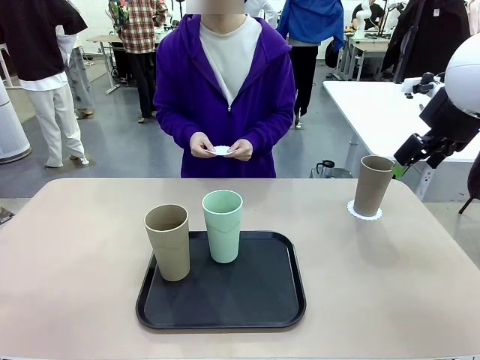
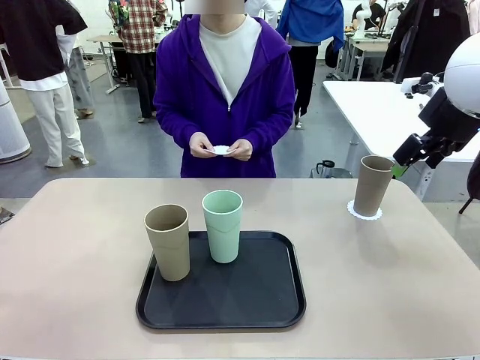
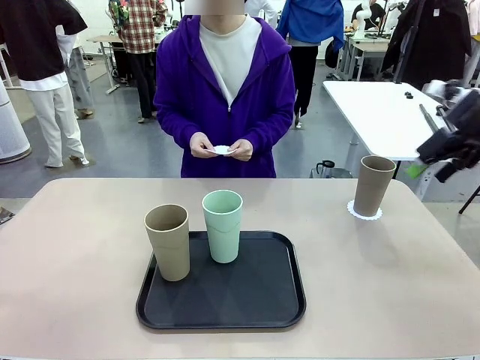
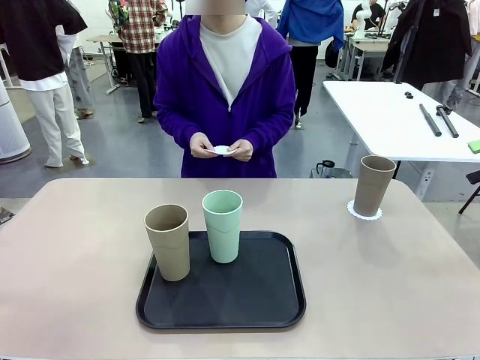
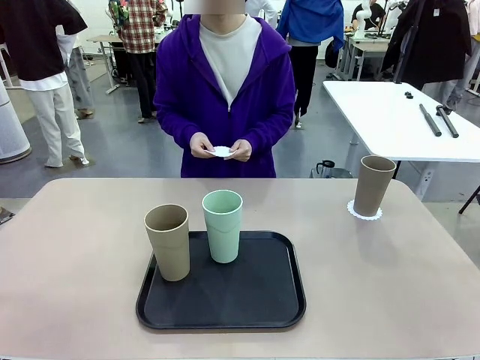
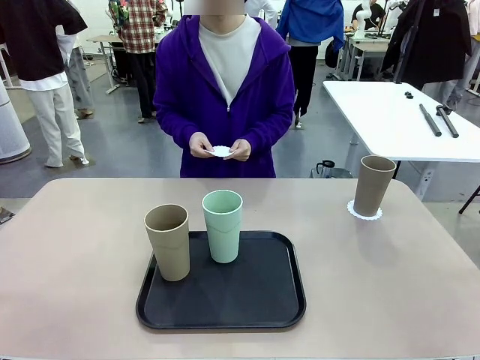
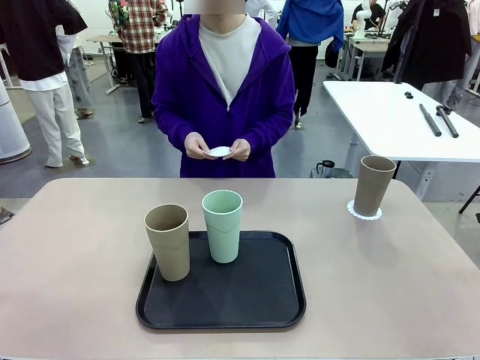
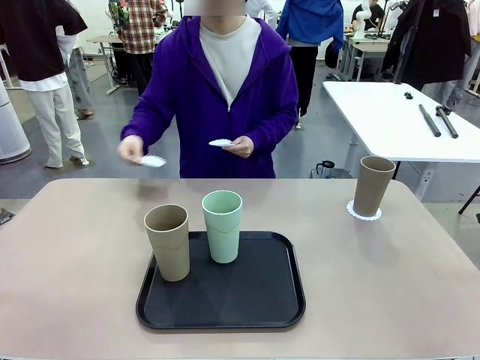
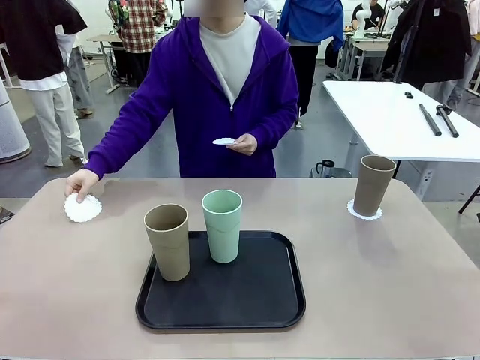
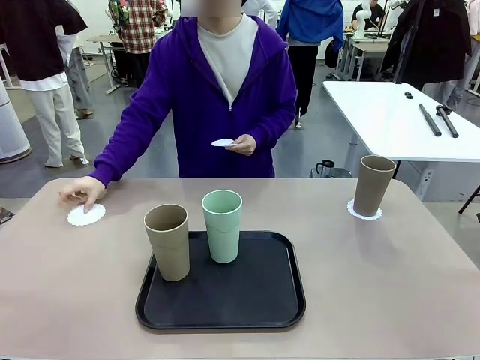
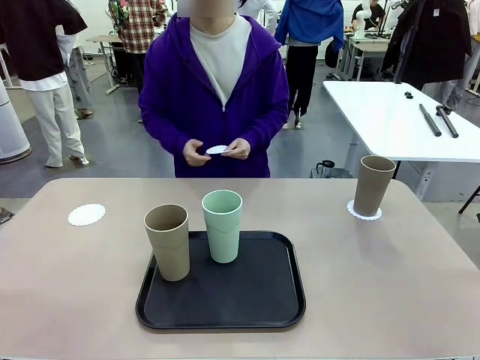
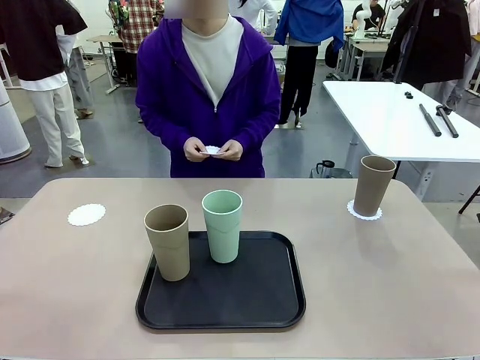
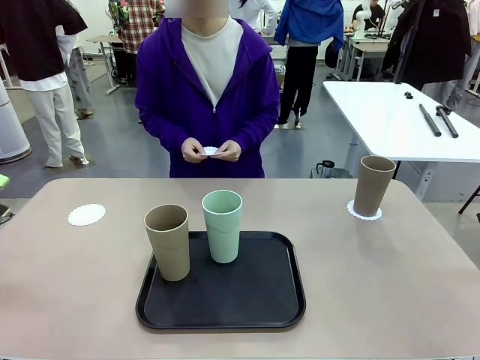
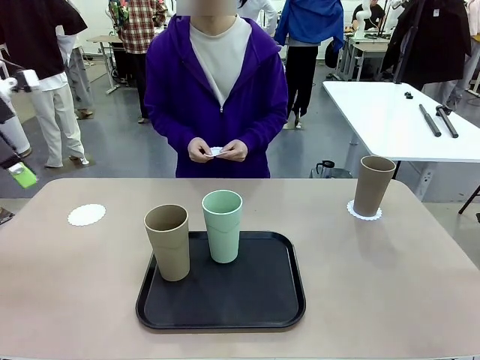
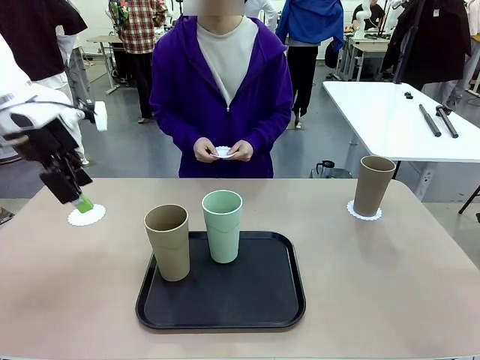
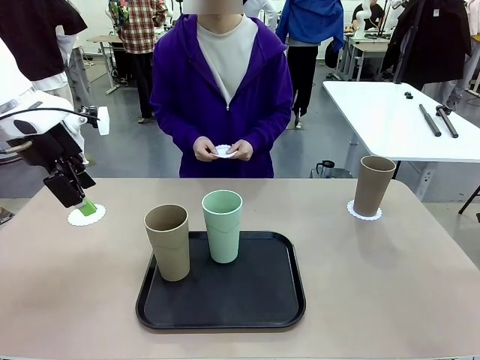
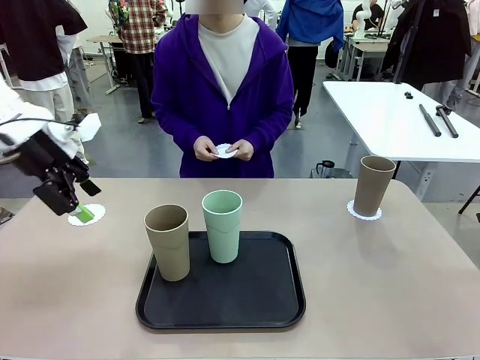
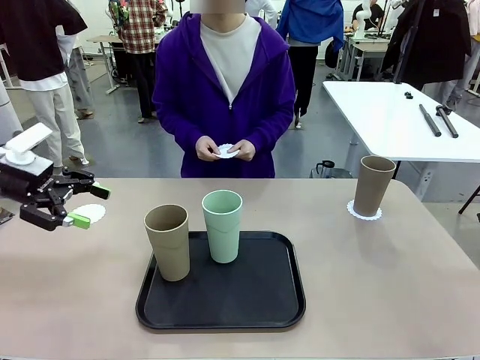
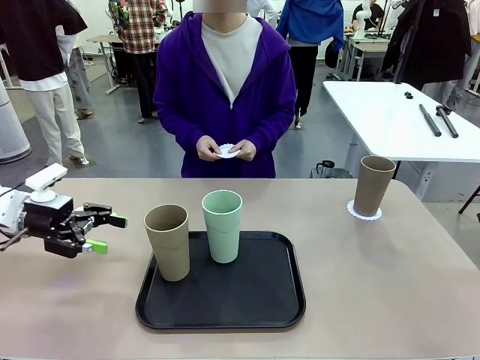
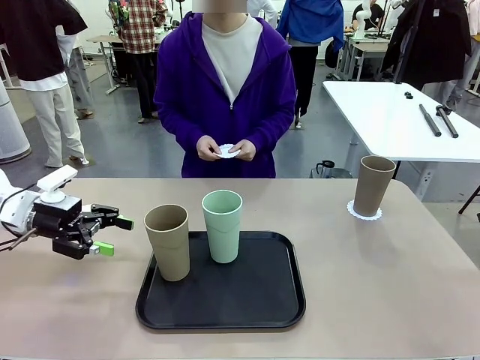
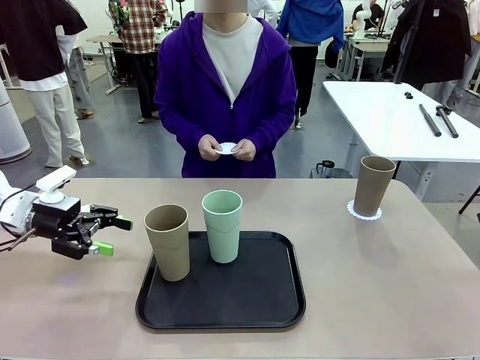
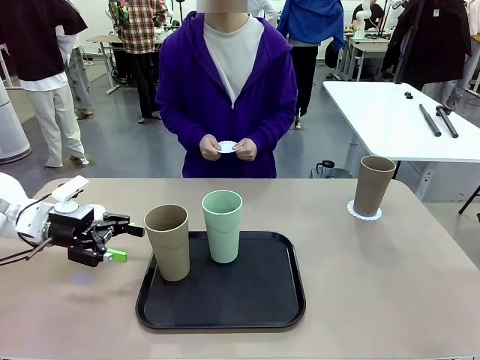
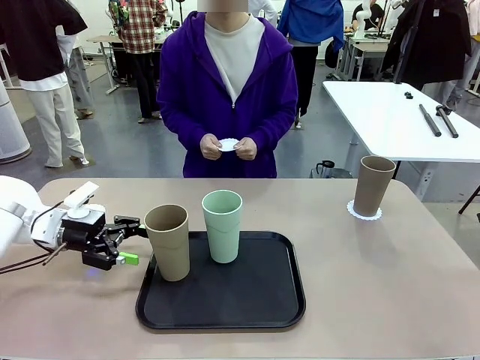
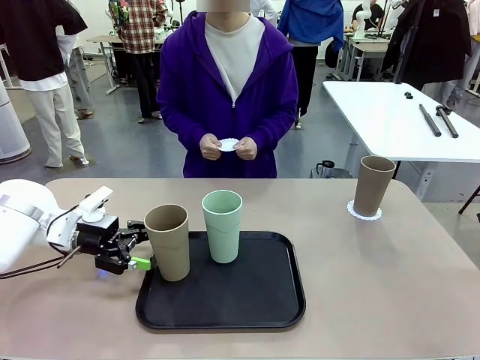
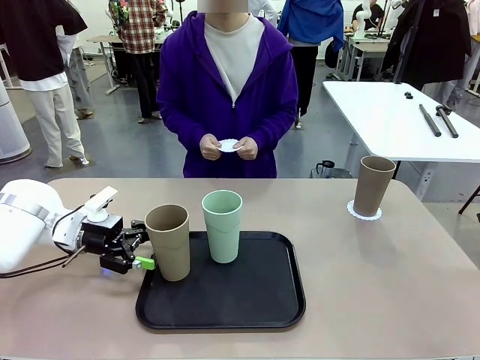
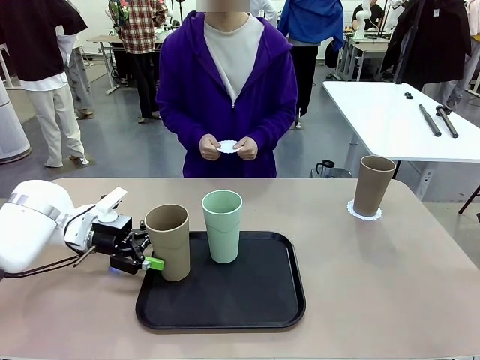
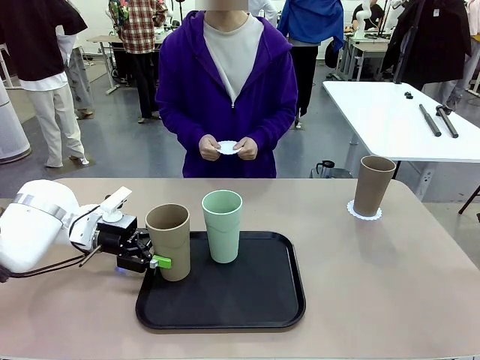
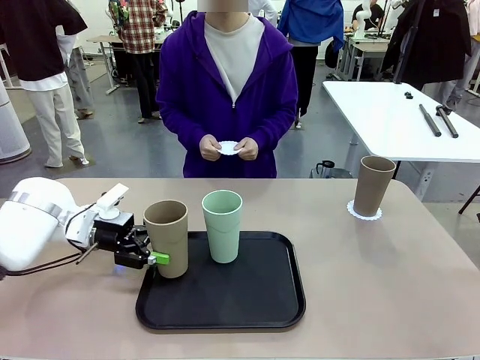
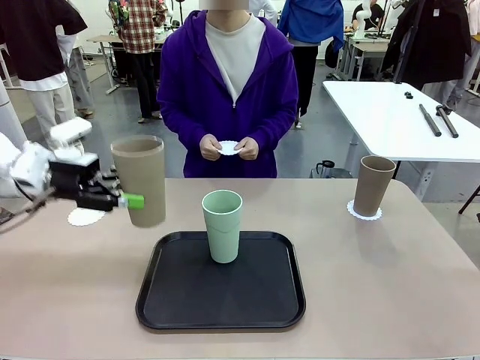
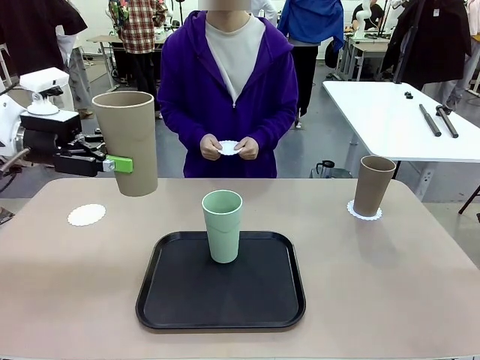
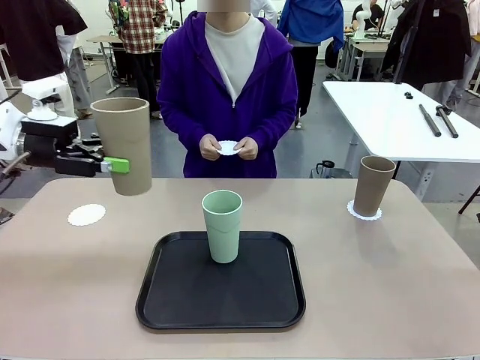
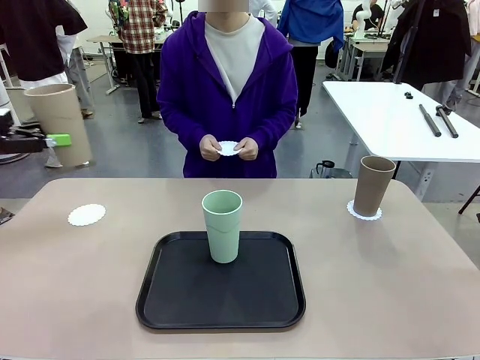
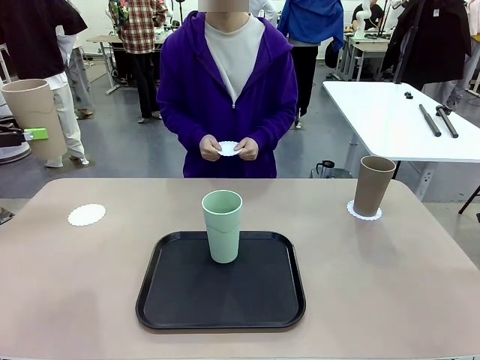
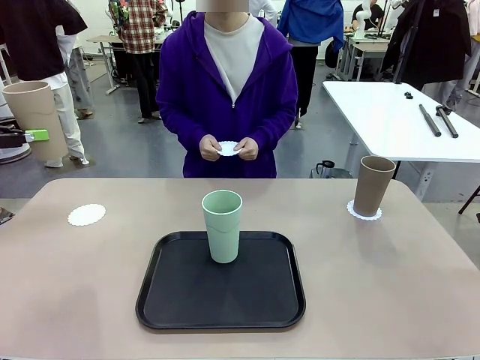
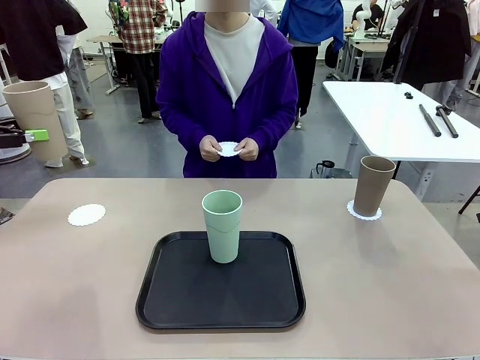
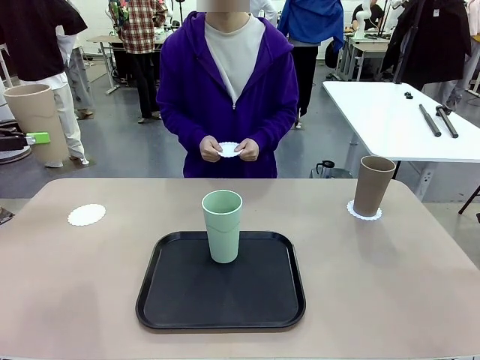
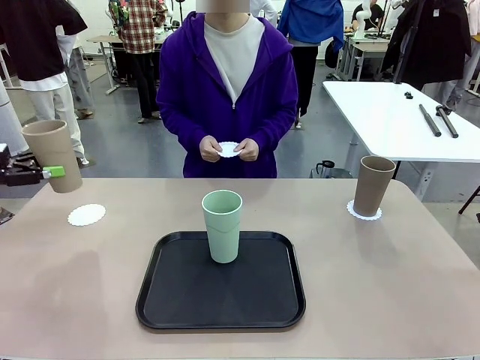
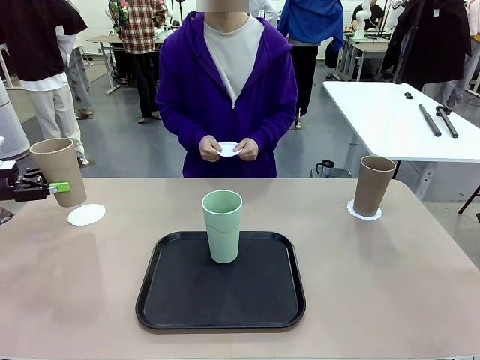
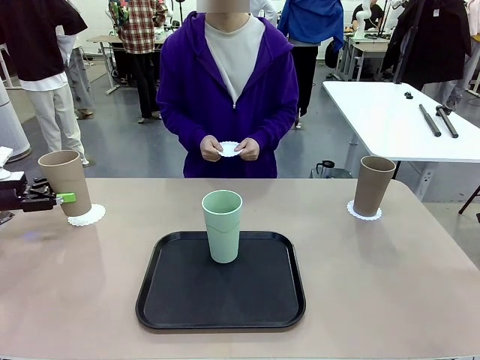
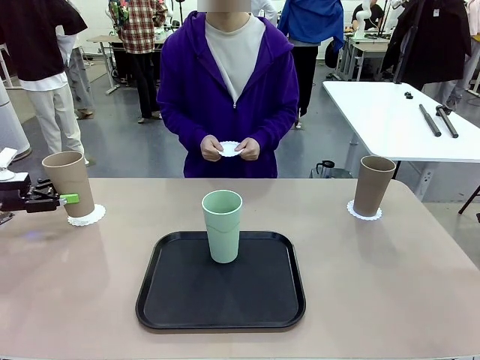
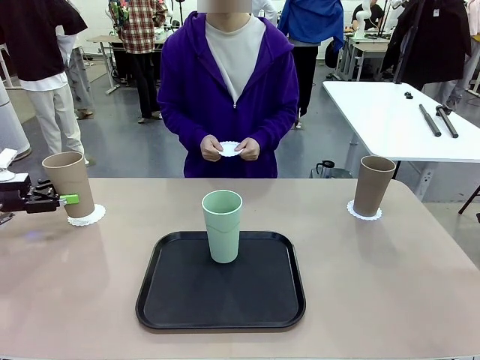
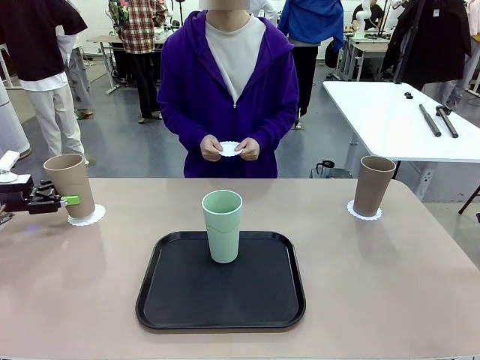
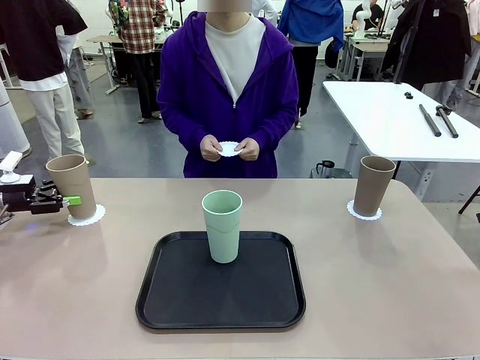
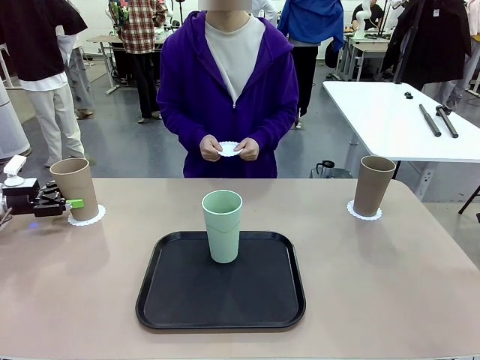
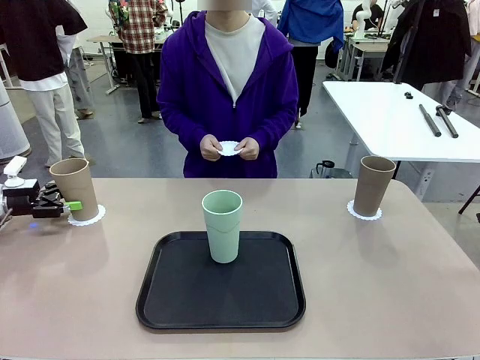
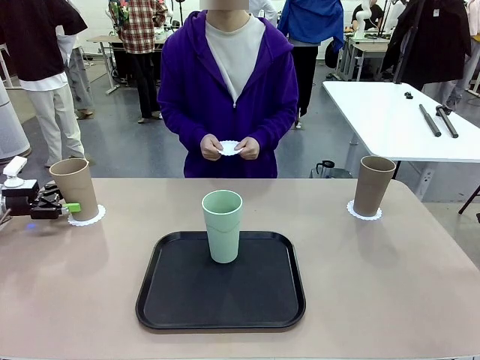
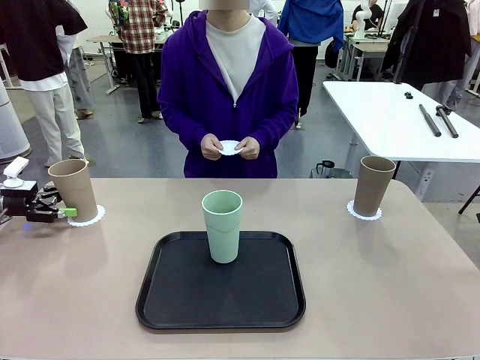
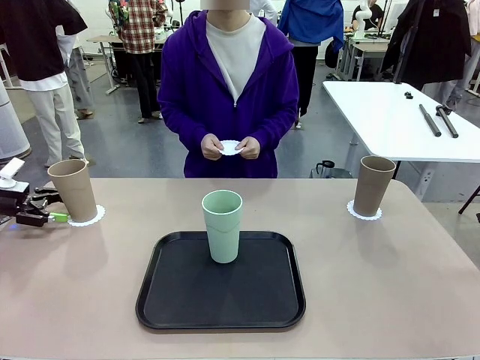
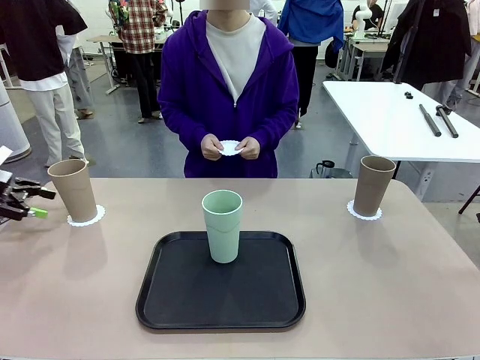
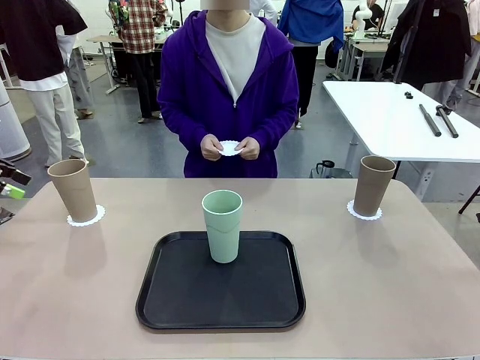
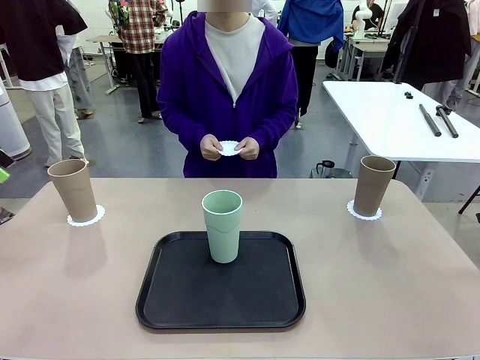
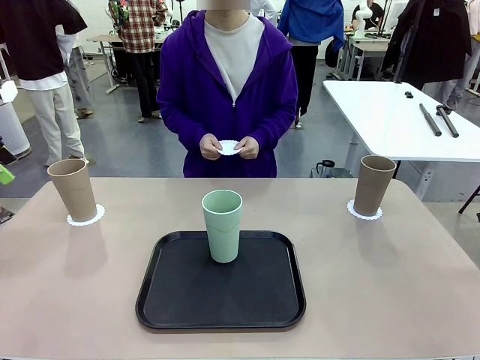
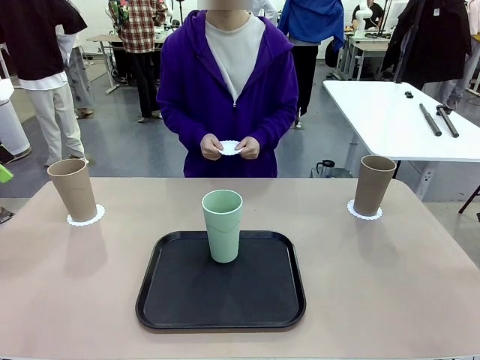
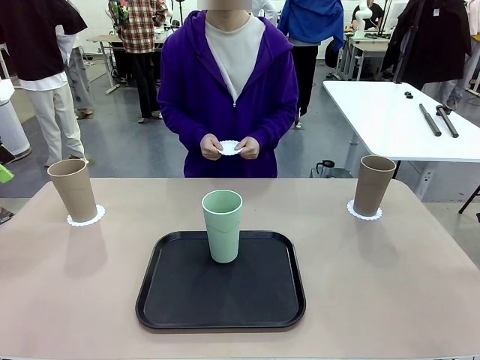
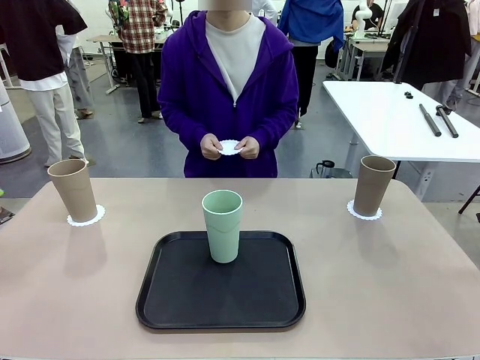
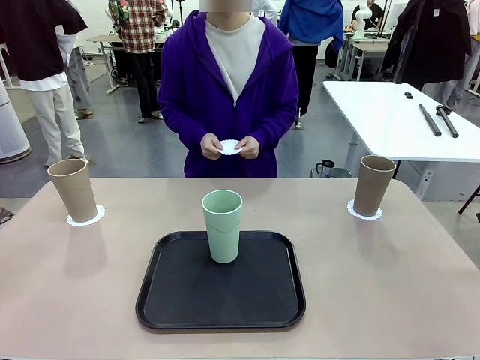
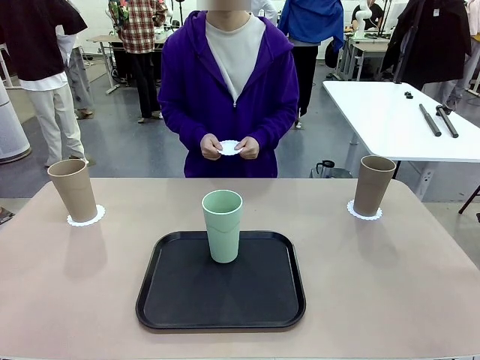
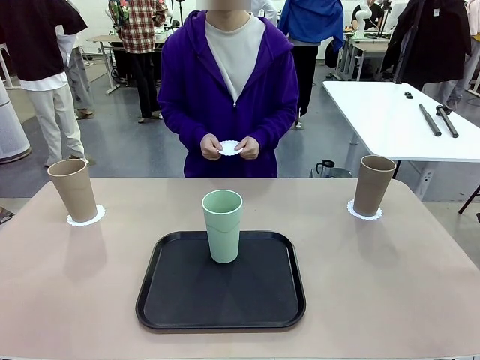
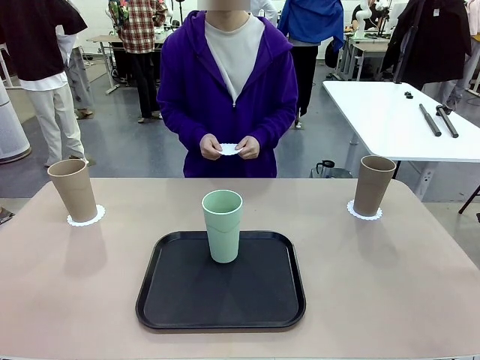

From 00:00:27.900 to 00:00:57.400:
Task: Place coasters on the table and set cups on them.
Robot: Take one Reusable plastic cup from the Flat Tray and place it on a coaster set by the human.
